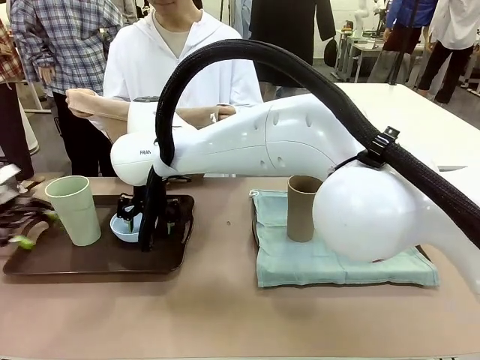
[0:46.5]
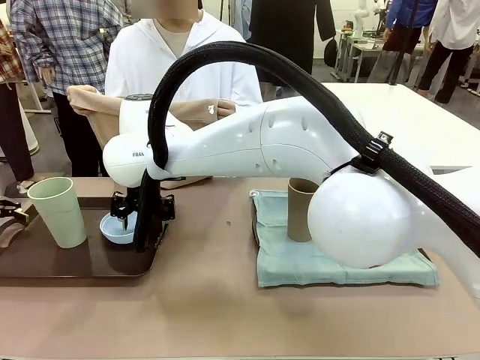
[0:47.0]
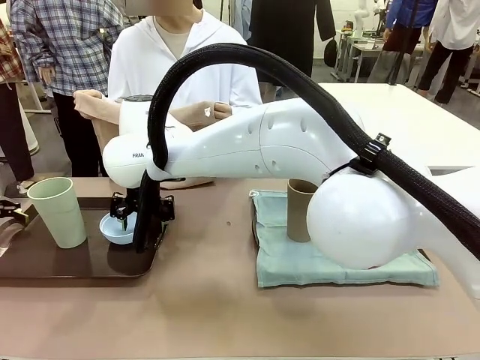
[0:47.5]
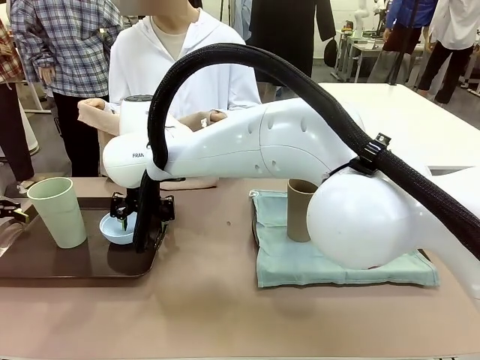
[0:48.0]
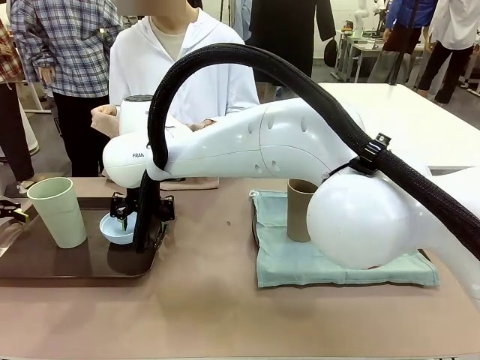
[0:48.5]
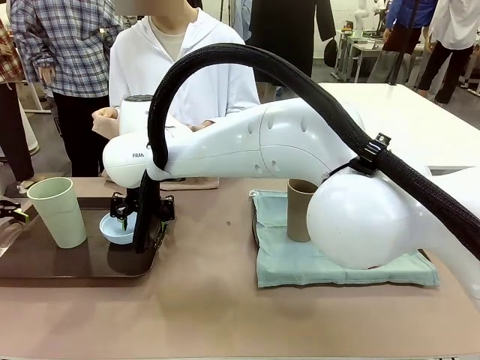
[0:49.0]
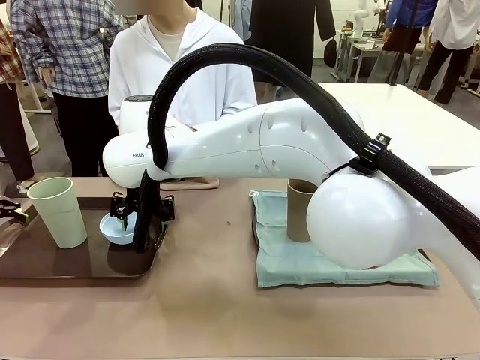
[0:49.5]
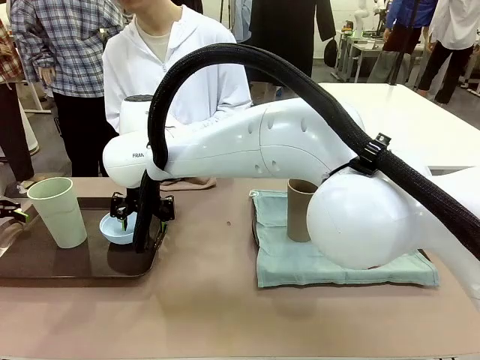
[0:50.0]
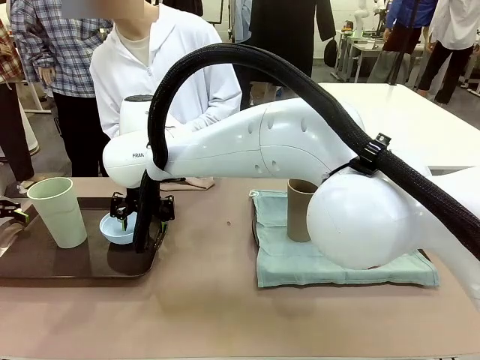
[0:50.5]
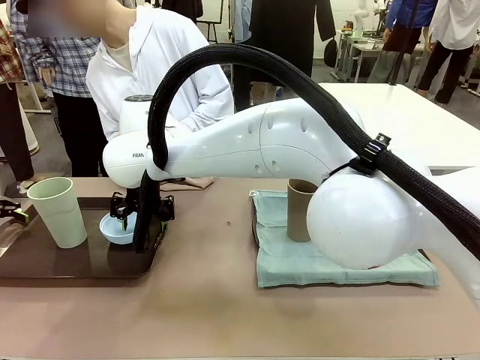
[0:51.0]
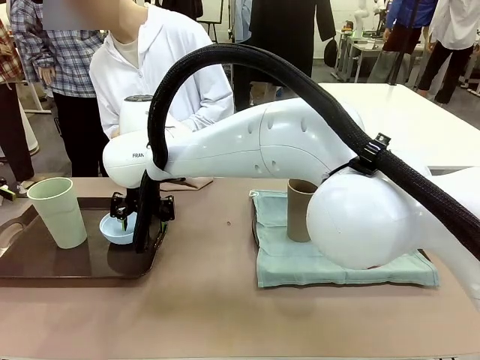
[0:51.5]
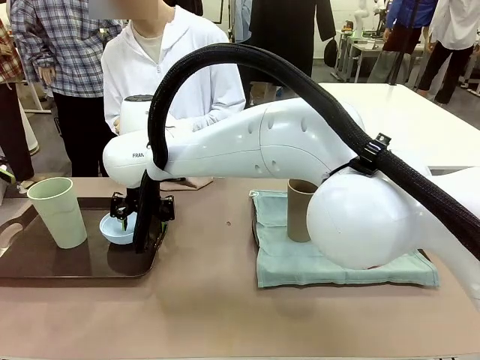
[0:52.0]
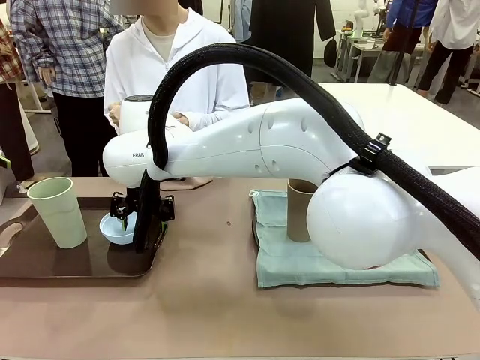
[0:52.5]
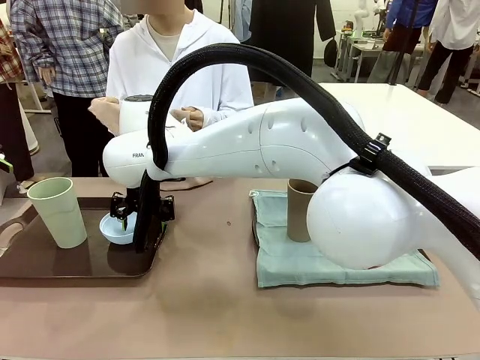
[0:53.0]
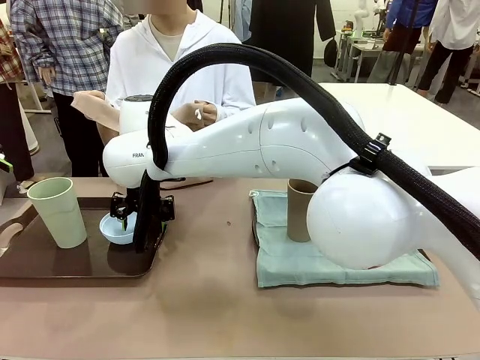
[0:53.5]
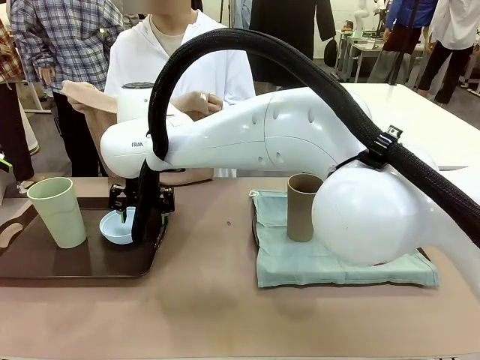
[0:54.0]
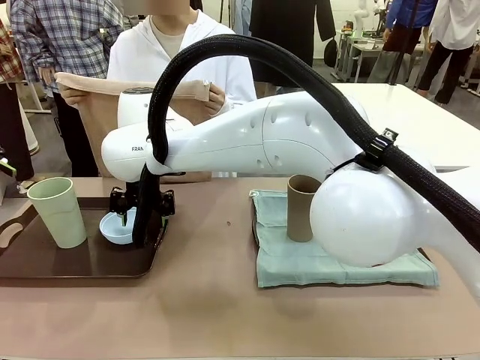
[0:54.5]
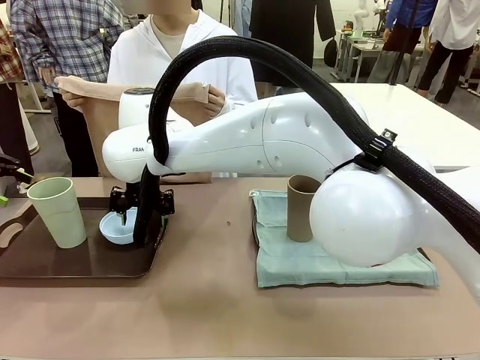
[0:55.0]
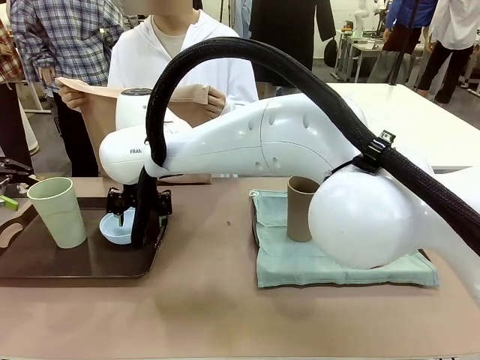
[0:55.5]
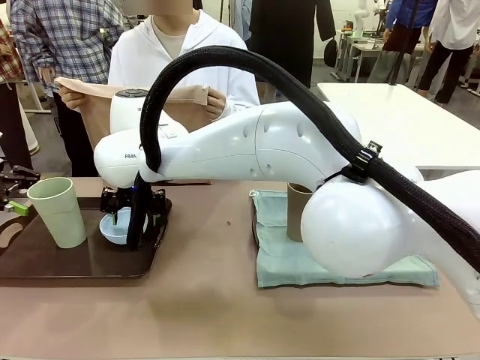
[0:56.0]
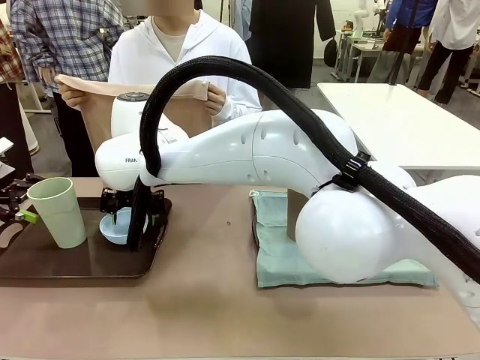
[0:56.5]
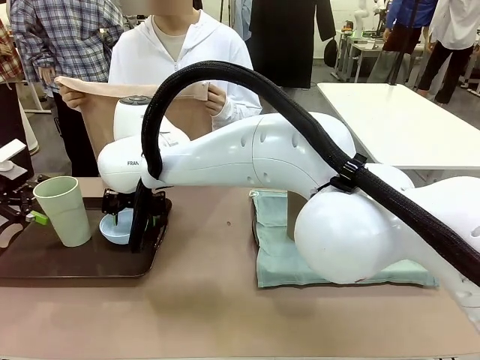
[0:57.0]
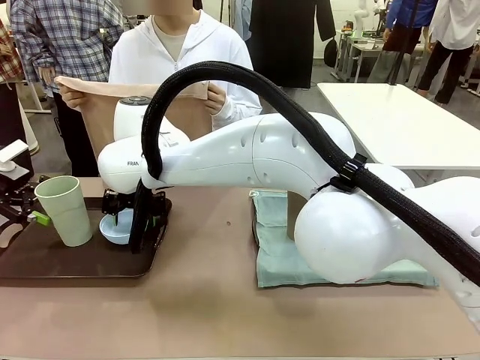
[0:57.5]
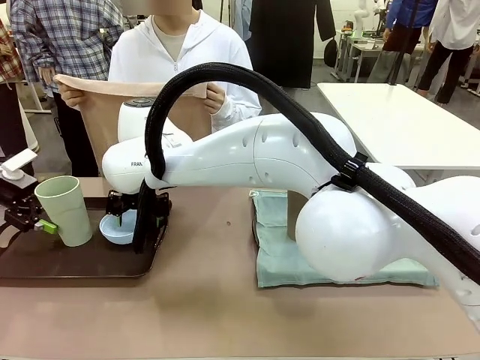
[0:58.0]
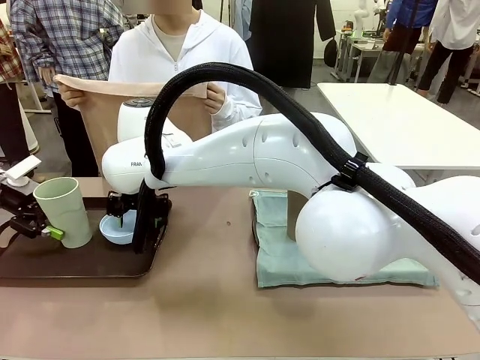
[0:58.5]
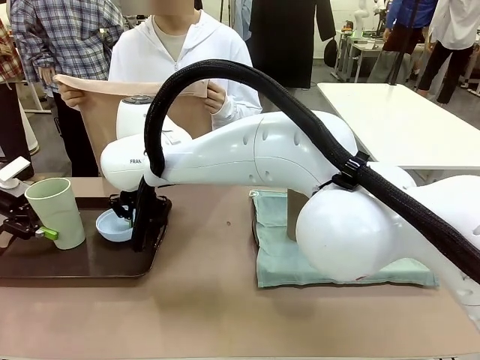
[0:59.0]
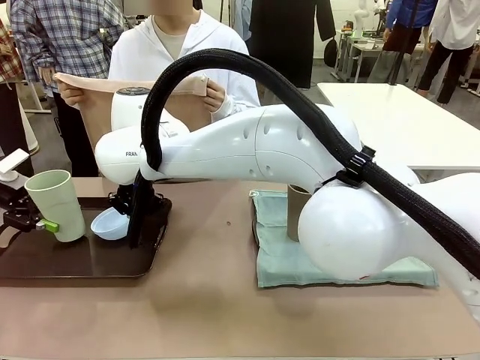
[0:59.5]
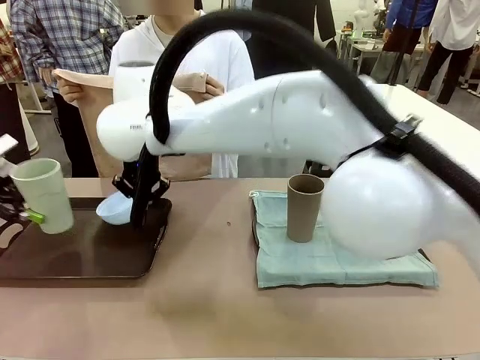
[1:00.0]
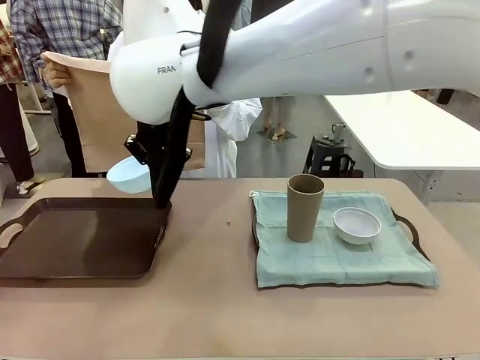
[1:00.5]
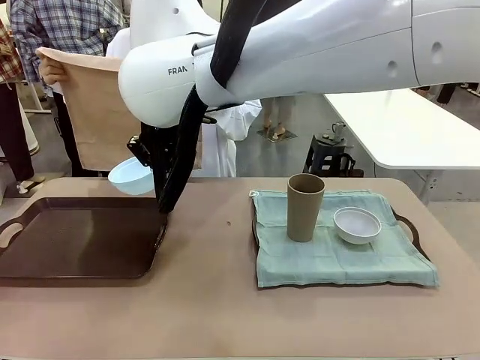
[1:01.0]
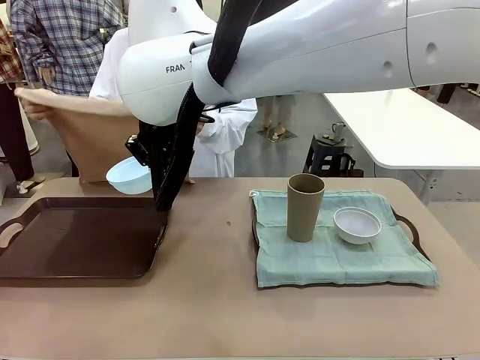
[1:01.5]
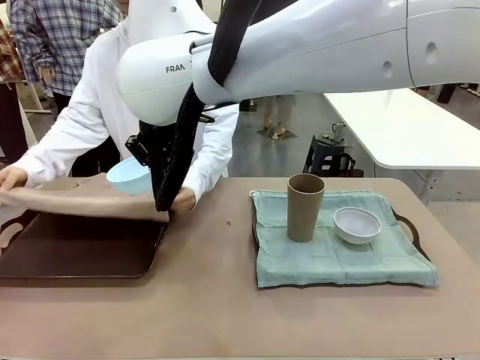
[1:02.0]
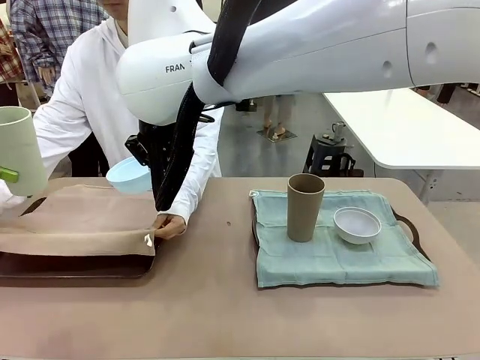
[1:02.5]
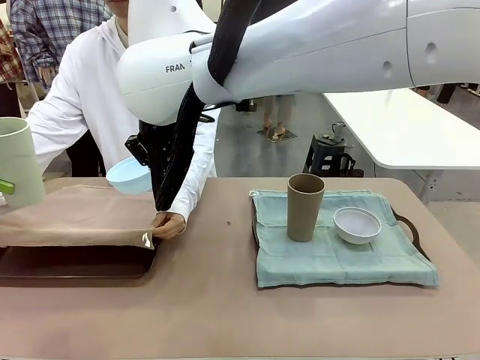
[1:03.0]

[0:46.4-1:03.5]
Robot: Pick up the Picnic Bowl and Reusable plastic cup from the Handle tray in front of the human's position and hold them in the air.

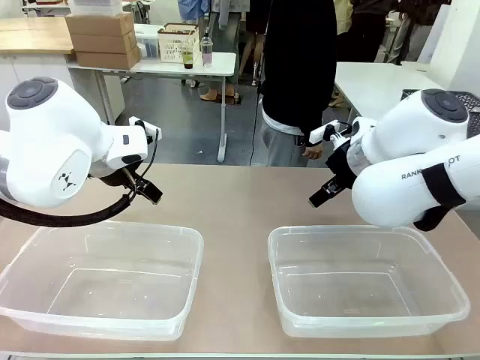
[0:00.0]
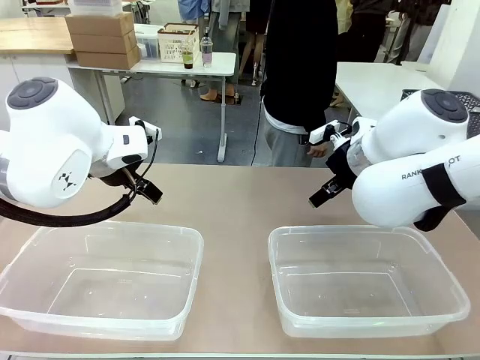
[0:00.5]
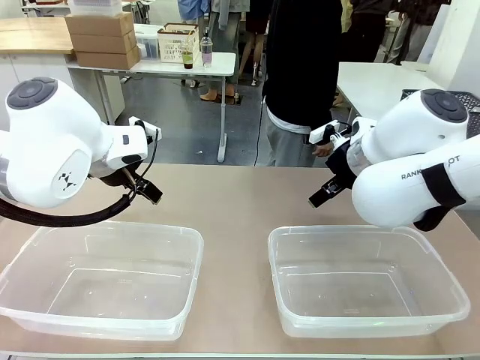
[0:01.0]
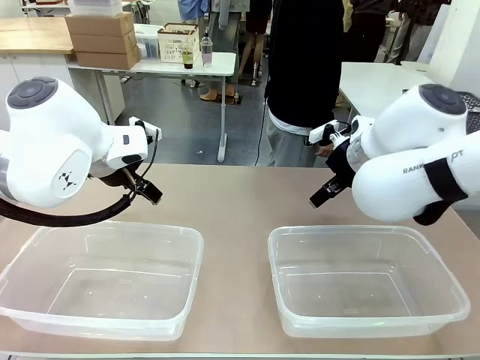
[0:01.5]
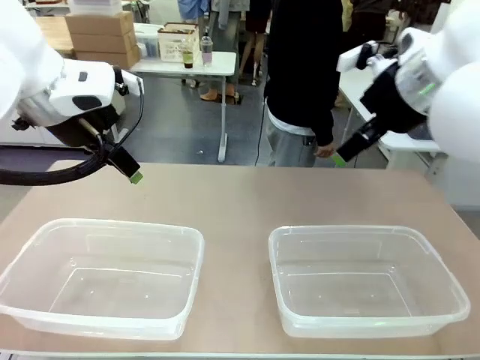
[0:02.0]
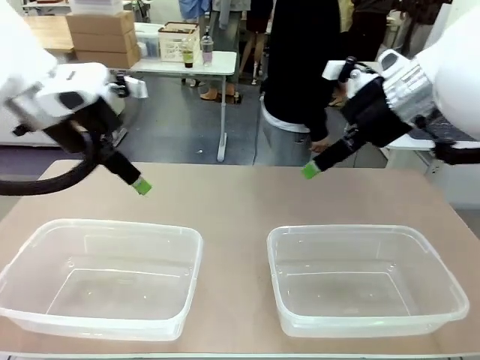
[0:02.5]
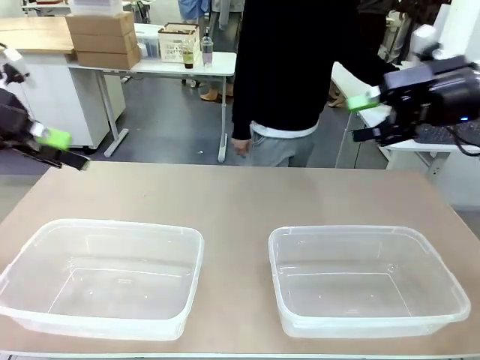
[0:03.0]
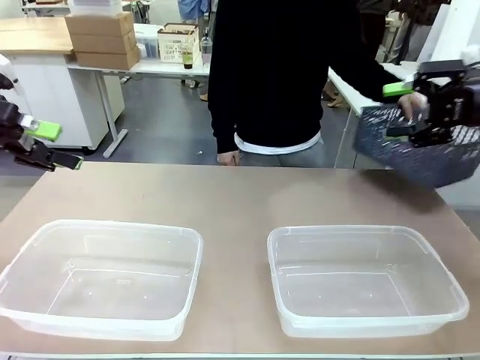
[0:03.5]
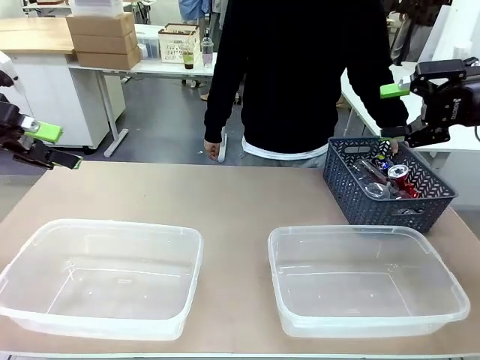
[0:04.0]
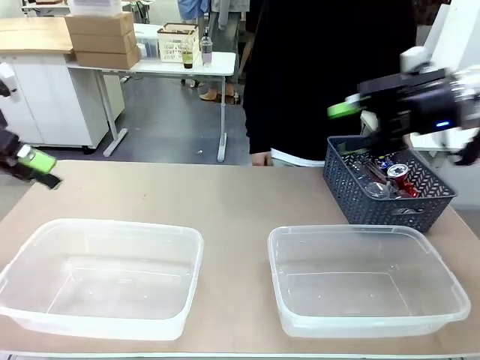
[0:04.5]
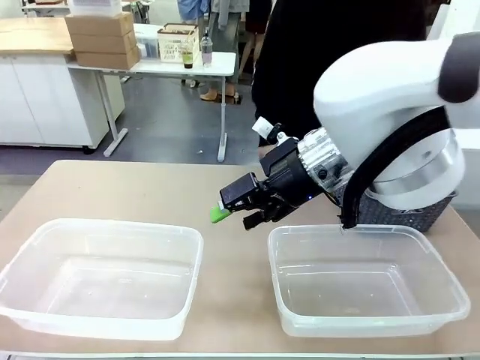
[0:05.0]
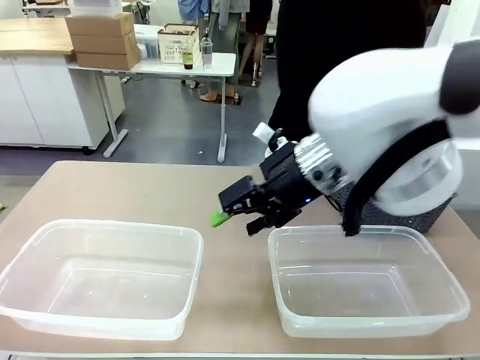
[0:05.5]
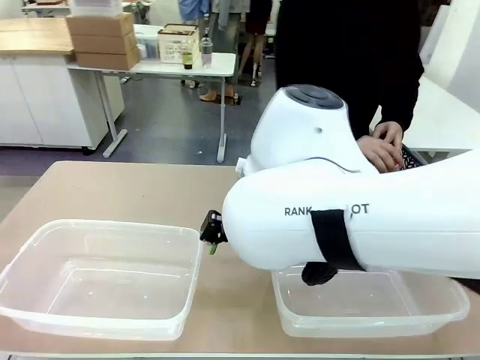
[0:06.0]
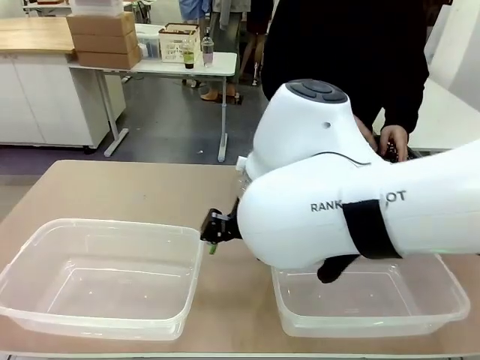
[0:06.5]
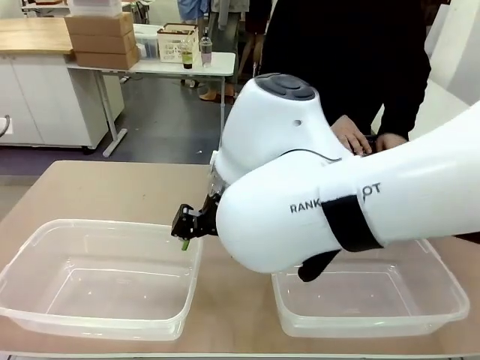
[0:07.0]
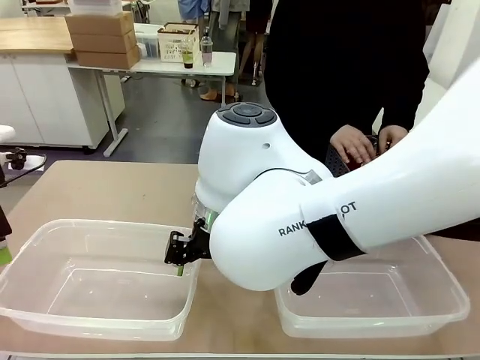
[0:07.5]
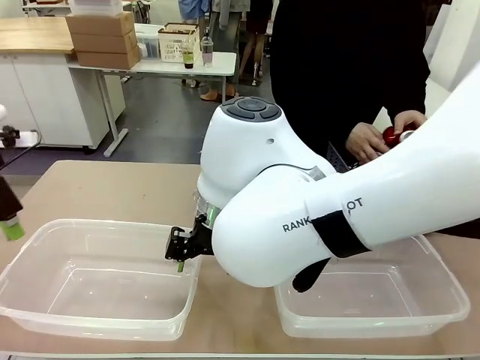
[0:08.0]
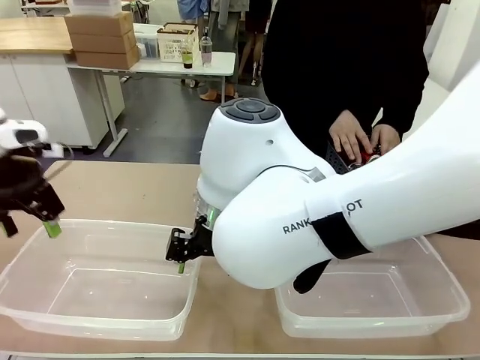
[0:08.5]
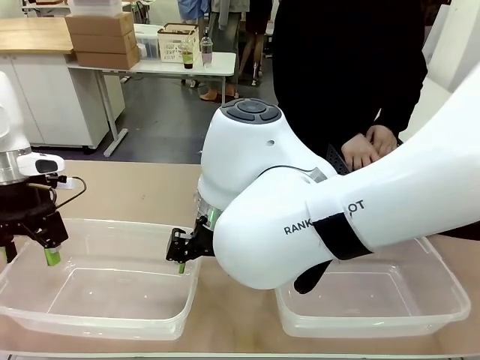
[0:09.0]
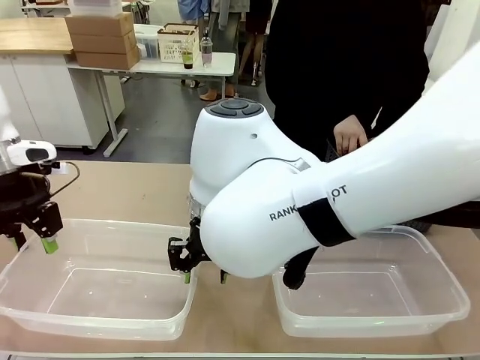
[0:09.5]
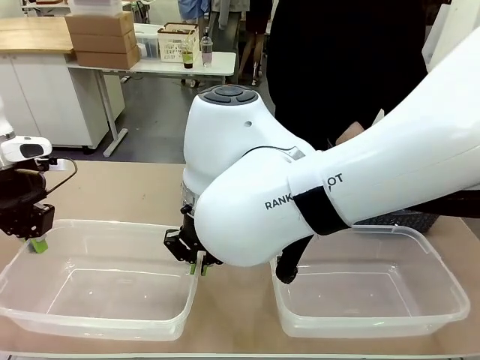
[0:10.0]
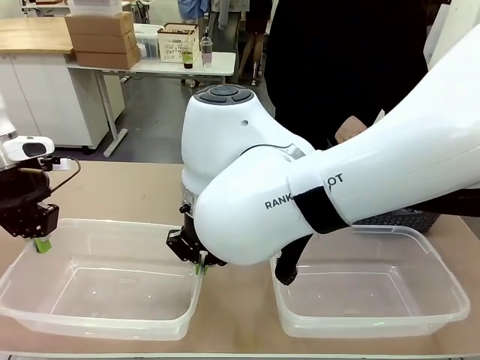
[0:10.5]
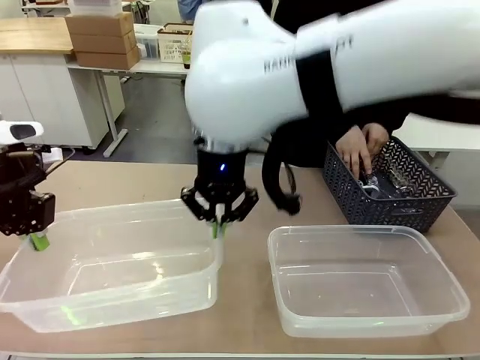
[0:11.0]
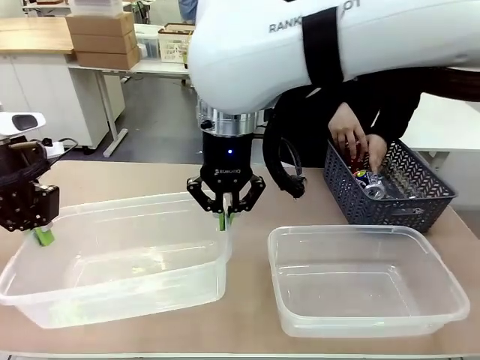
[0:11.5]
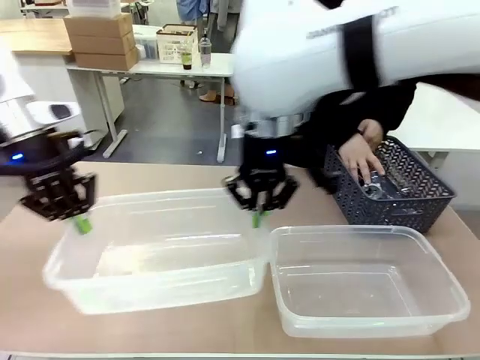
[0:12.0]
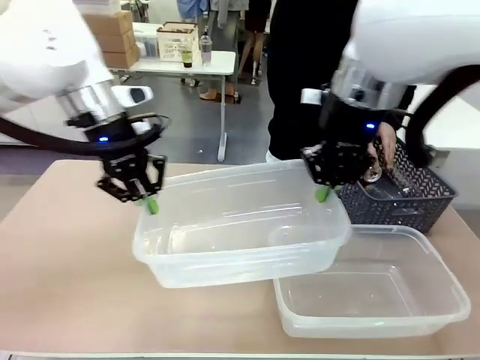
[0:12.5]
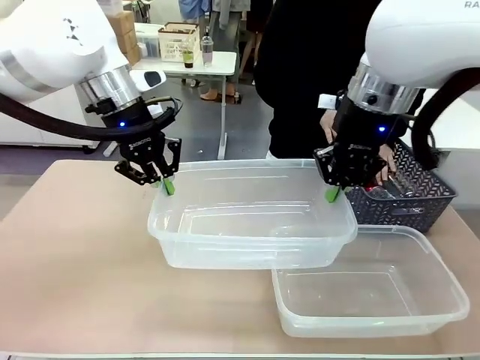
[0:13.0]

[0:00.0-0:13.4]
Robot: Pick up the Organizing box on the left side of the table and lift it.
Person: Pick up the storage basket and place it on the left side of the robot table. Pick up can-shaped waste one by one and place it into the organizing box lifted by the robot.
